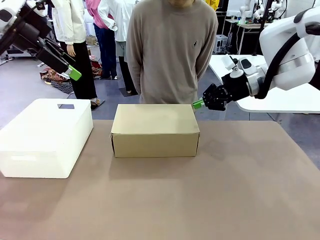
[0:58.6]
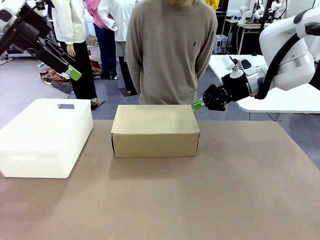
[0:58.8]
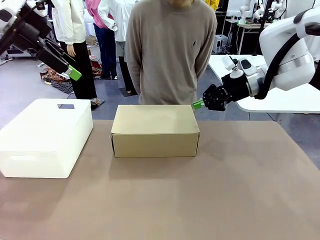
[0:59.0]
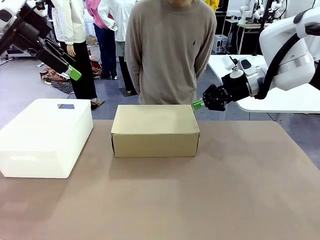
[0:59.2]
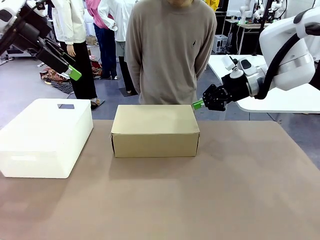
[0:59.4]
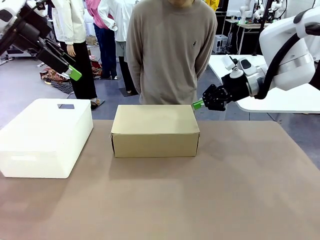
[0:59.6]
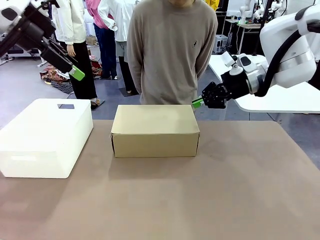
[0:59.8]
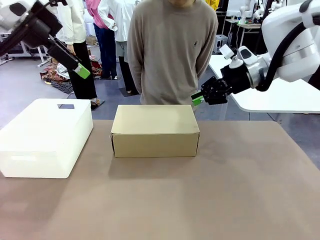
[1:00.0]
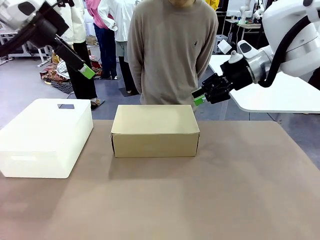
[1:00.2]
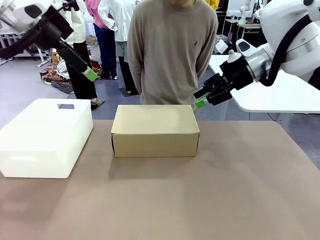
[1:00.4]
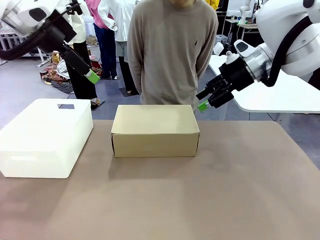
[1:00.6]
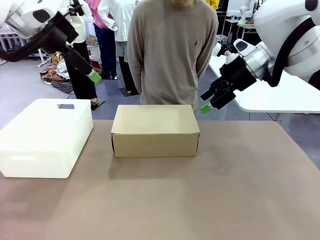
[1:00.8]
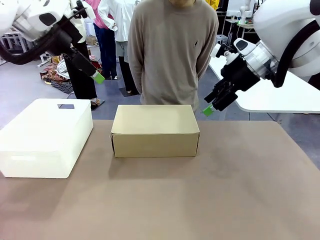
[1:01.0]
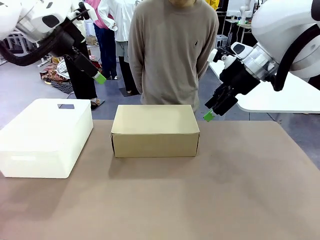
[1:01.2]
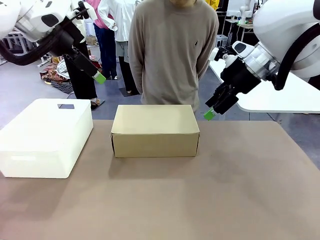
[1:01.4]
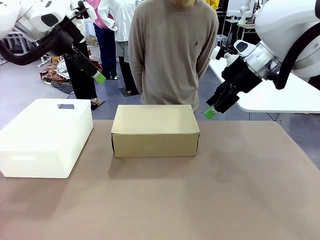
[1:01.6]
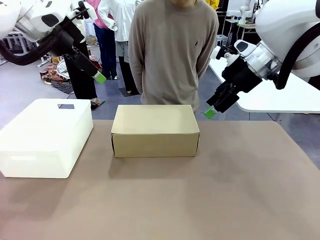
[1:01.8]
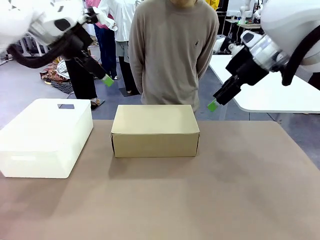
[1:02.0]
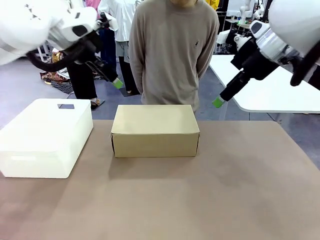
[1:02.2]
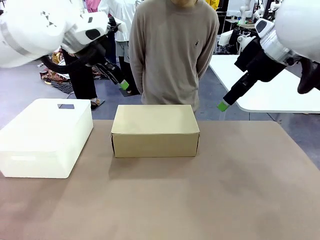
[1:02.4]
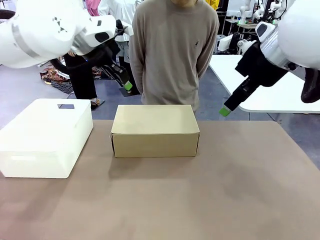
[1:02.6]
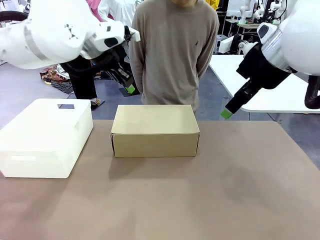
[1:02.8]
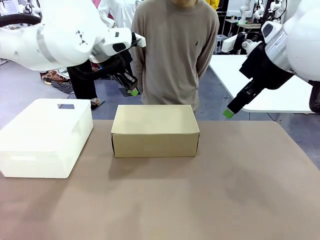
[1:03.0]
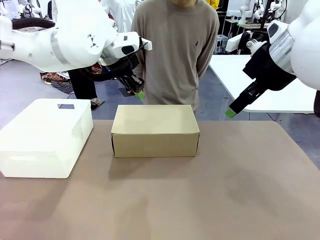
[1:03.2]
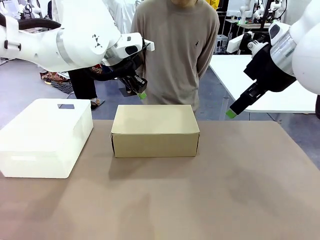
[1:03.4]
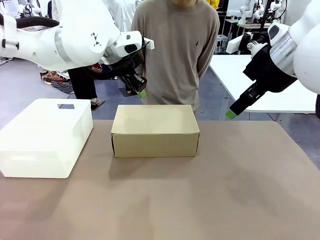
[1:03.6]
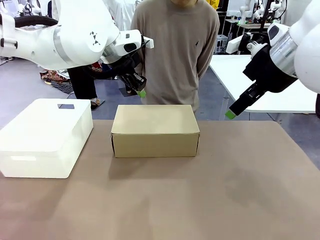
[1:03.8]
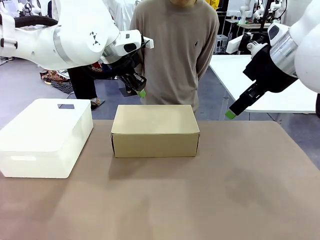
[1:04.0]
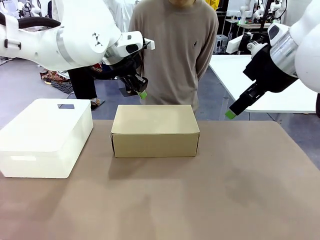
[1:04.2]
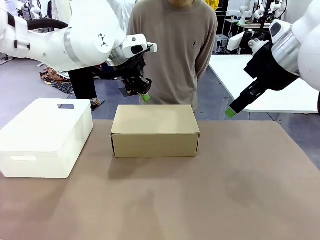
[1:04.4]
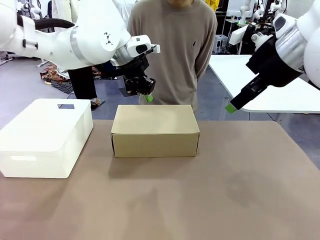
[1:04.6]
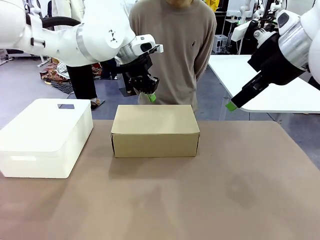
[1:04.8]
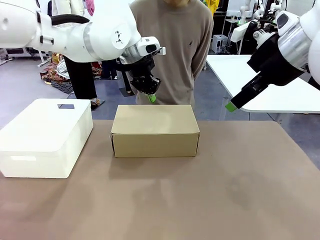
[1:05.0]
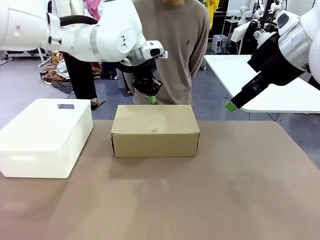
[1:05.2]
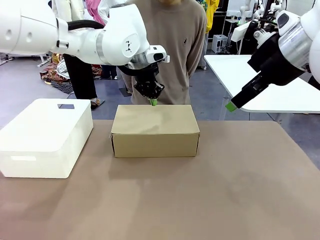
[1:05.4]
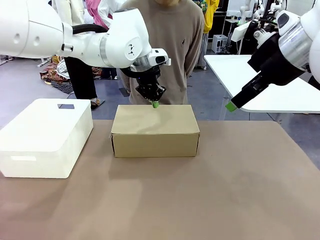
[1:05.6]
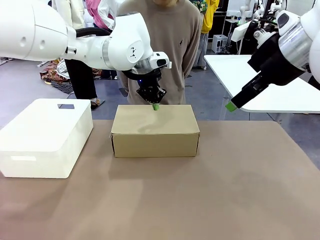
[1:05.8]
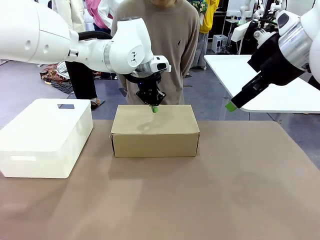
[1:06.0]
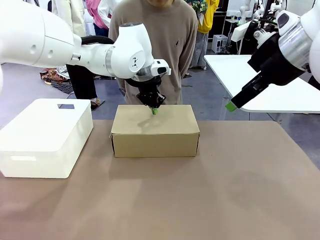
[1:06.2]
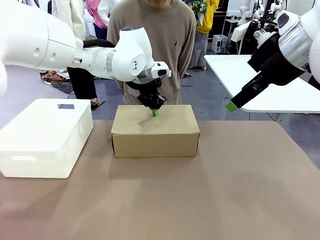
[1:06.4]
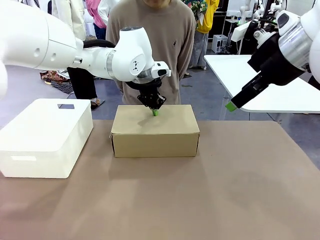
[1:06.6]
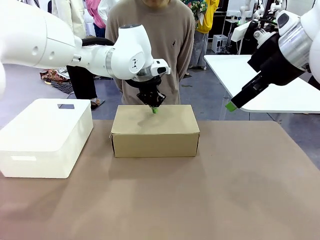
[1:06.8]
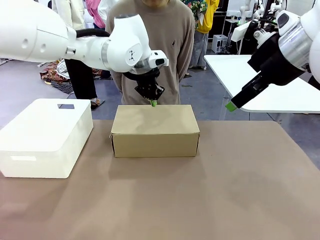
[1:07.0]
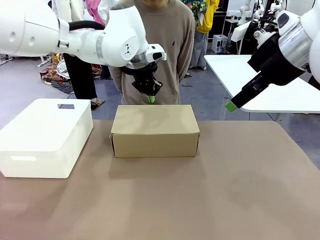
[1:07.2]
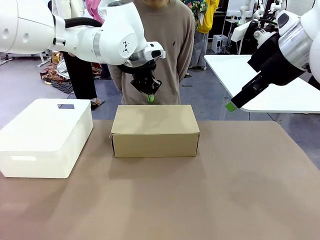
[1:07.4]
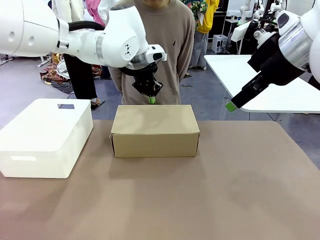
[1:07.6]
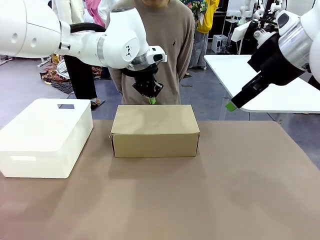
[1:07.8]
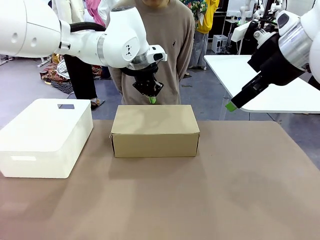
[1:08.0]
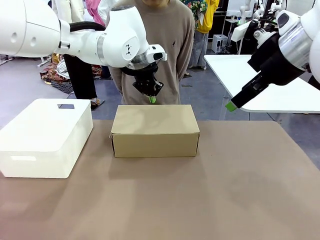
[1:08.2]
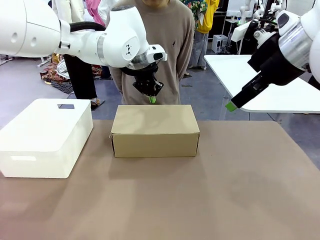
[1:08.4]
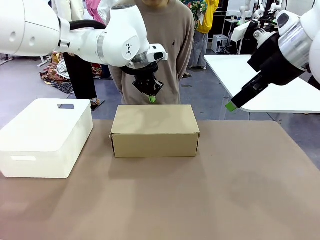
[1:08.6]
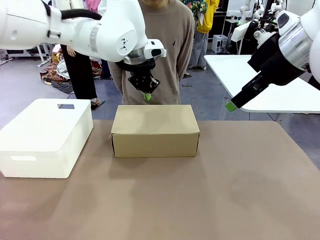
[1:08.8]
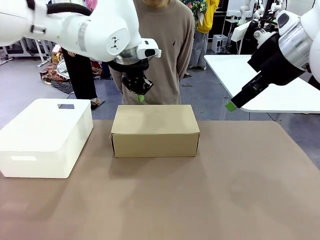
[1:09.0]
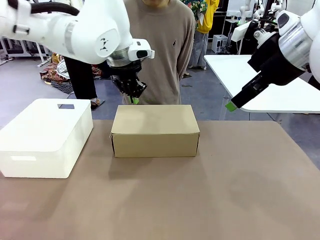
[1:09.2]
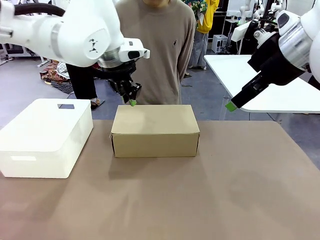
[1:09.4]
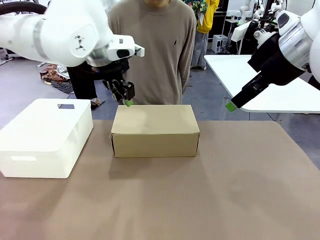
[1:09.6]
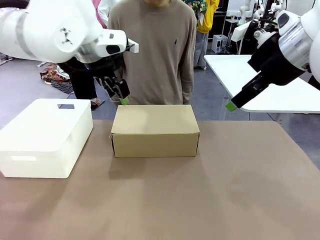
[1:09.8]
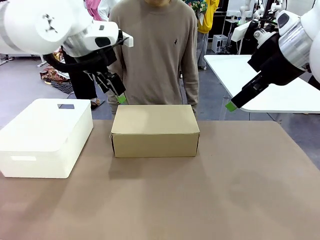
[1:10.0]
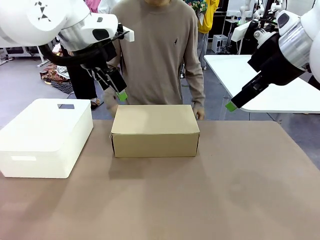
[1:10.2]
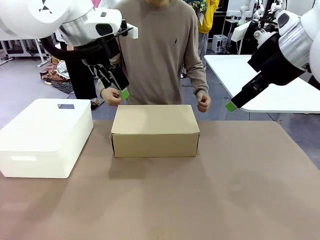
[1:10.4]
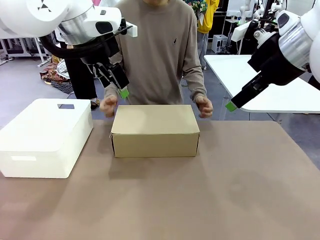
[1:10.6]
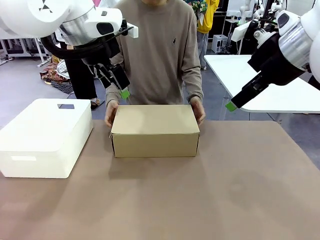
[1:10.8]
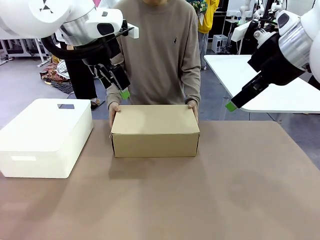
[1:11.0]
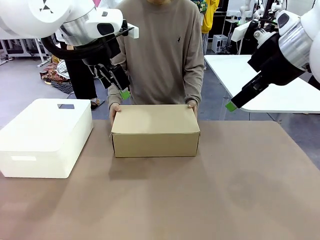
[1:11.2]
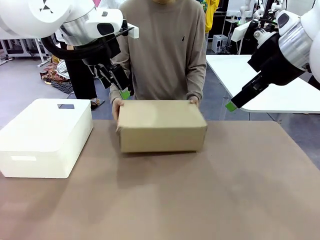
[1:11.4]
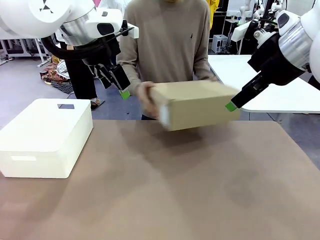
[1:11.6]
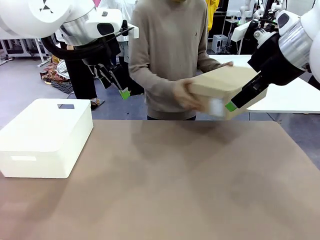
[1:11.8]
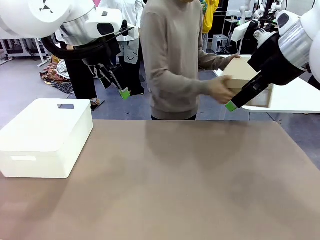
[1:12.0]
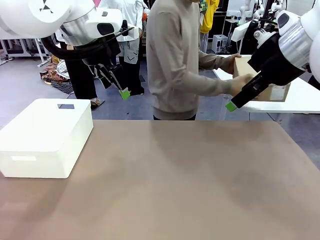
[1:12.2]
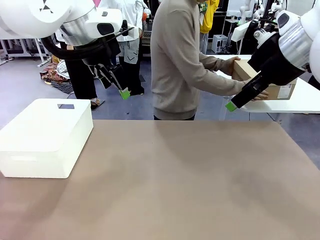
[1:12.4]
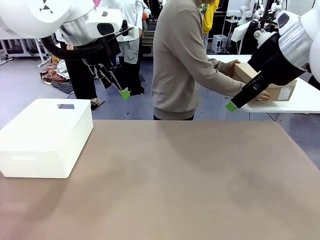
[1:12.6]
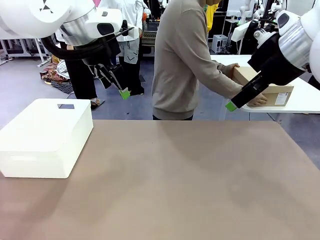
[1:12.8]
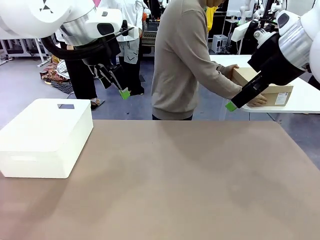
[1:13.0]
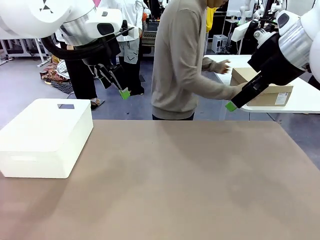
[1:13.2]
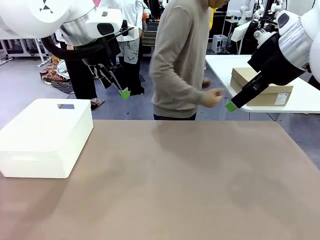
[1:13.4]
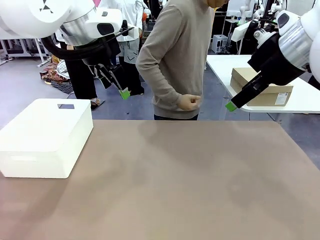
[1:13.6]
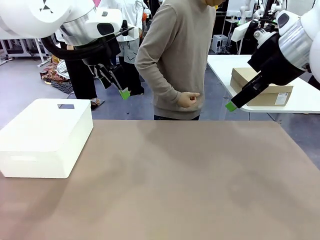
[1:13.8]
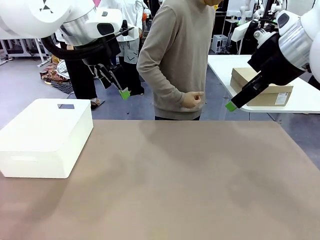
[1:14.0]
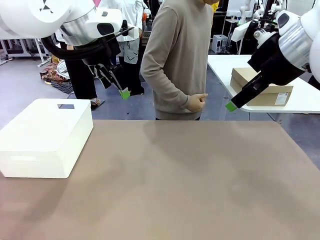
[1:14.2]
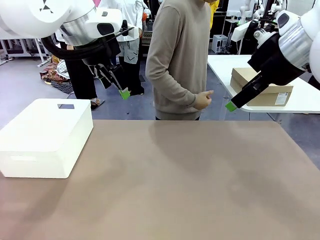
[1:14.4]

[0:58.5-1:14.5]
Task: Pack the shoes into the box.
Robot: Press down on the lid of the Shoes Box.
Person: Place the closed Shoes Box to the right side of the human table.

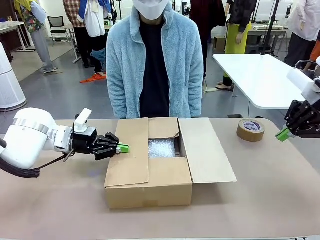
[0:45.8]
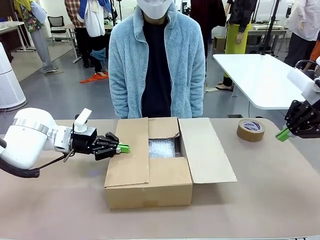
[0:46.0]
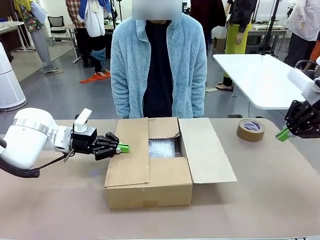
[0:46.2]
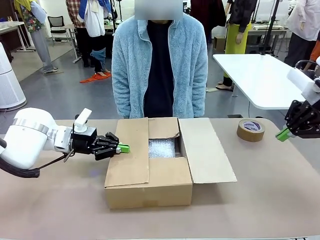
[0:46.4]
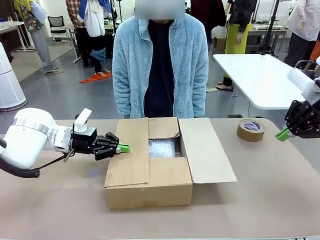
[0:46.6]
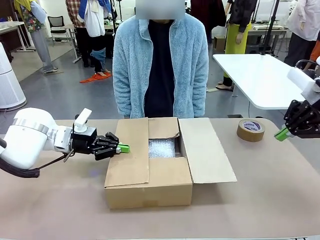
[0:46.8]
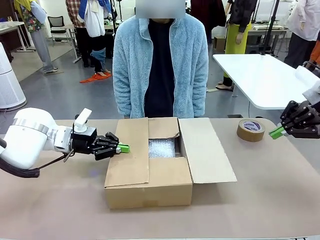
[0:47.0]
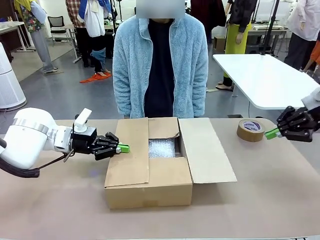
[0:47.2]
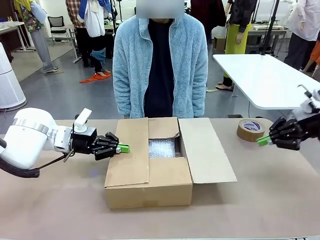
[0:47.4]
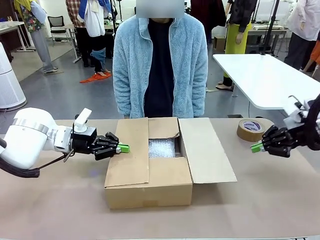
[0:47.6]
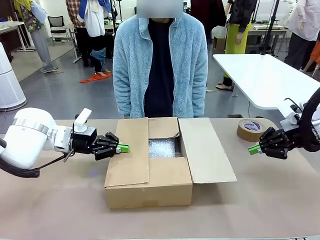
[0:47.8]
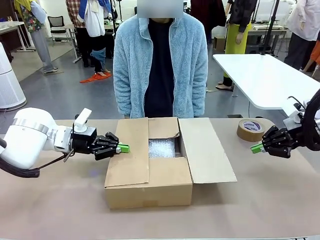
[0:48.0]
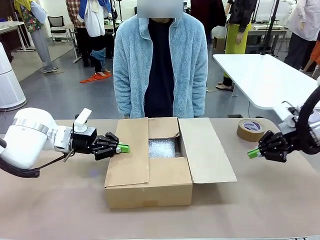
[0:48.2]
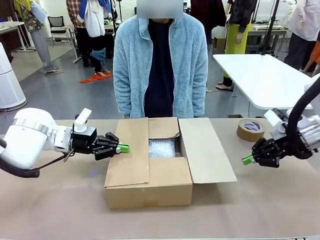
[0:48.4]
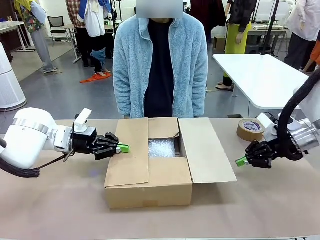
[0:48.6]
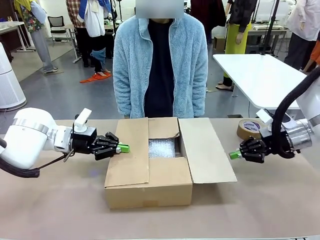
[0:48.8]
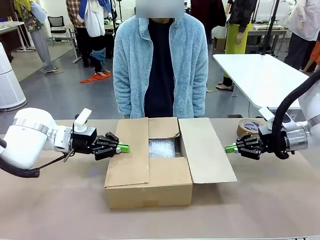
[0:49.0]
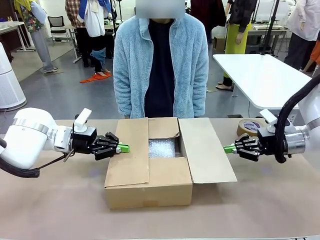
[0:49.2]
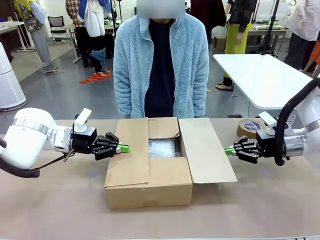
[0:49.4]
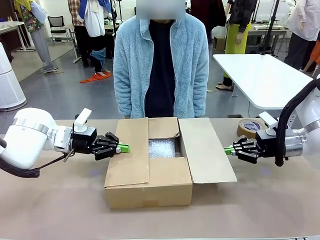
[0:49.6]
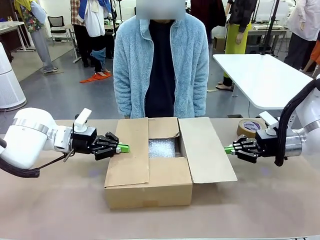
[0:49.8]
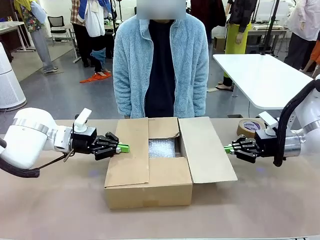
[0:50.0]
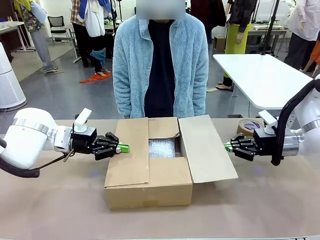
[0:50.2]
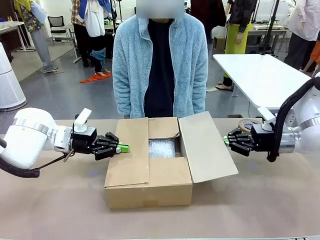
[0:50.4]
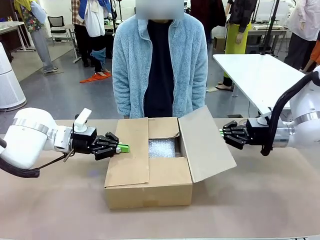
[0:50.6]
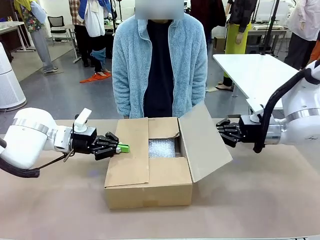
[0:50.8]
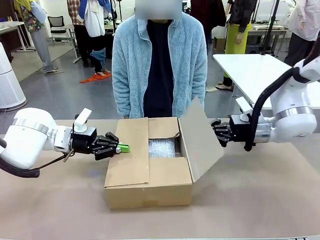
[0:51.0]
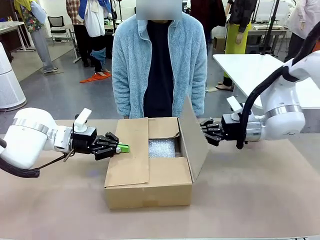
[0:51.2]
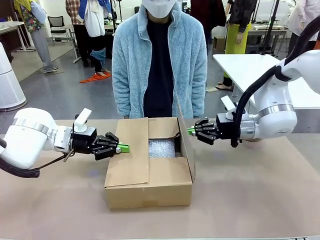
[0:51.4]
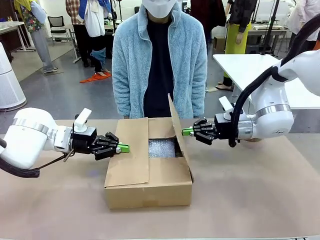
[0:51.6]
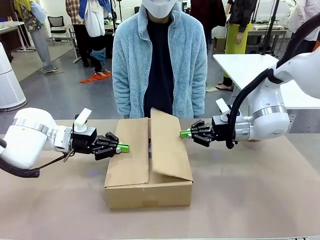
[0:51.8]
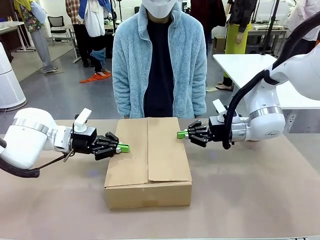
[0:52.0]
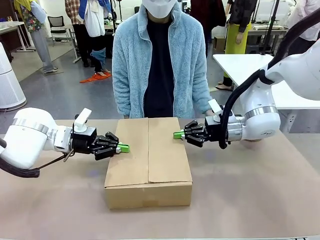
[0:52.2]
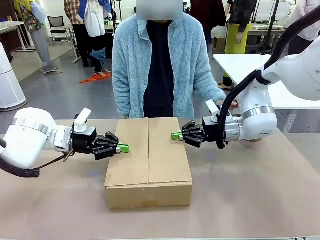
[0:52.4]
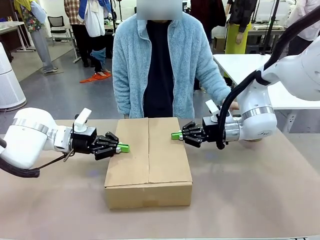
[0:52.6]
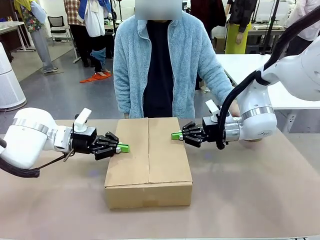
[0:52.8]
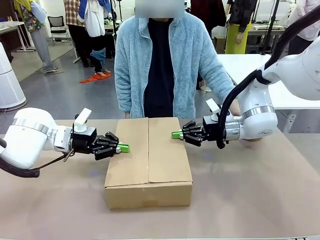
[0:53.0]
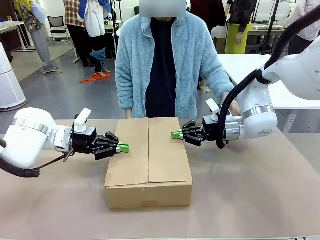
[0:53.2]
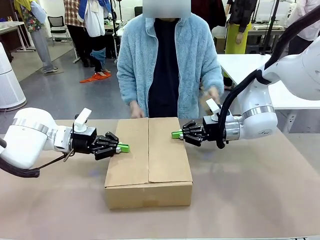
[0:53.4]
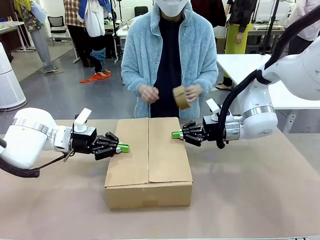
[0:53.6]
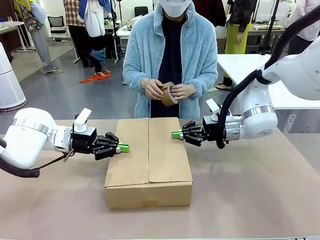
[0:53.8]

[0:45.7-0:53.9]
Task: Wrap the clocks to prevent damage.
Robot: Push the left (or right) flap of the Package Box to close it.
